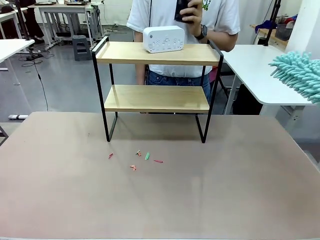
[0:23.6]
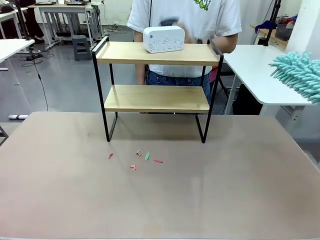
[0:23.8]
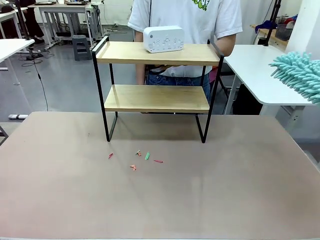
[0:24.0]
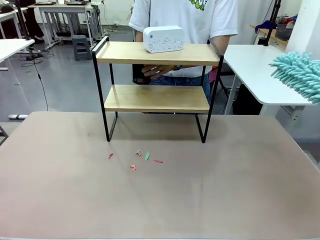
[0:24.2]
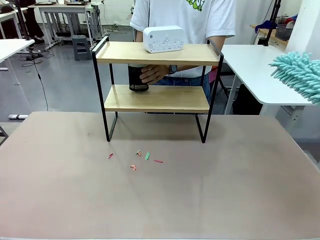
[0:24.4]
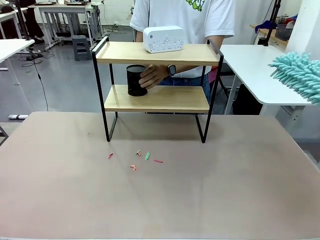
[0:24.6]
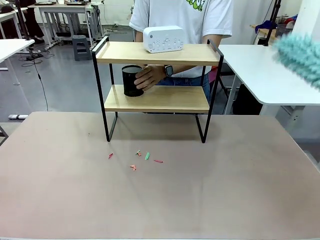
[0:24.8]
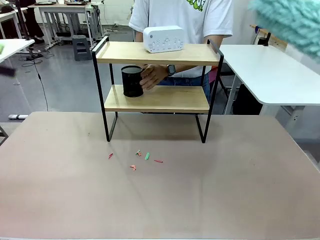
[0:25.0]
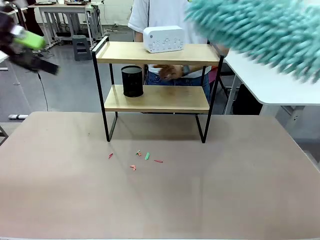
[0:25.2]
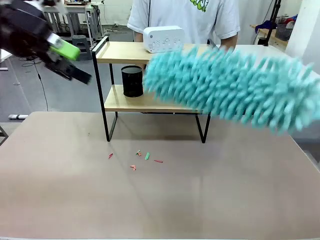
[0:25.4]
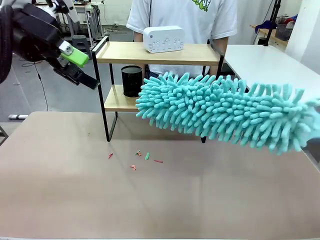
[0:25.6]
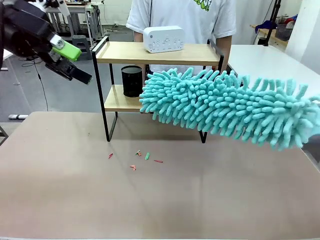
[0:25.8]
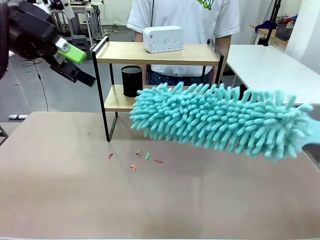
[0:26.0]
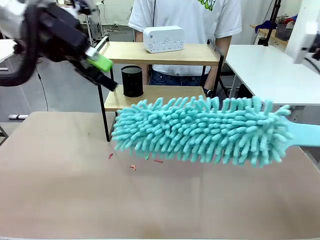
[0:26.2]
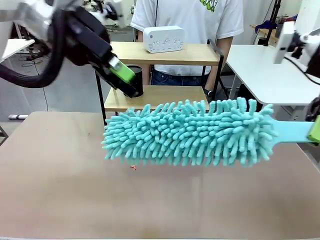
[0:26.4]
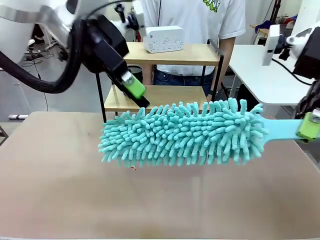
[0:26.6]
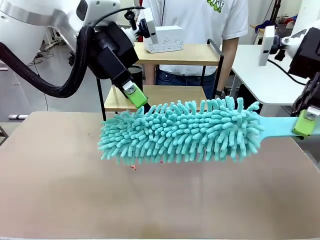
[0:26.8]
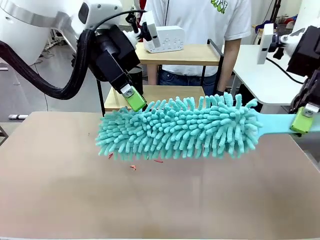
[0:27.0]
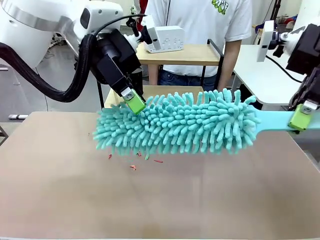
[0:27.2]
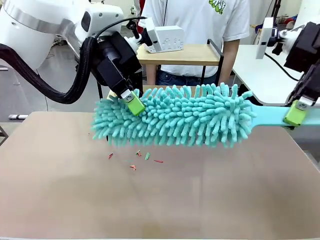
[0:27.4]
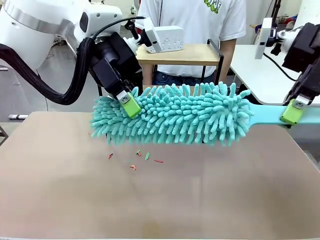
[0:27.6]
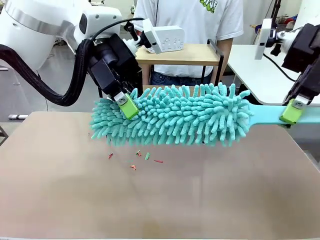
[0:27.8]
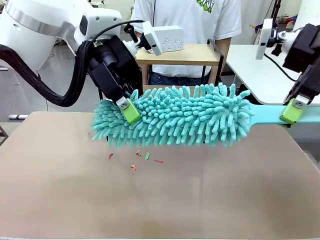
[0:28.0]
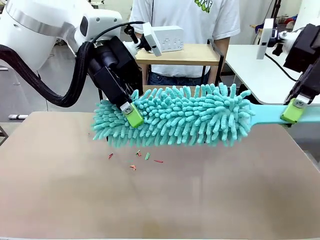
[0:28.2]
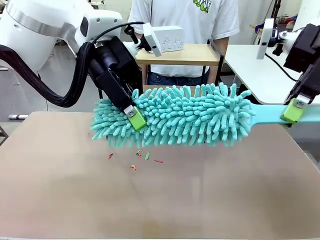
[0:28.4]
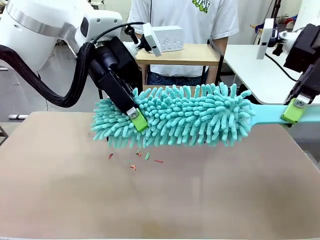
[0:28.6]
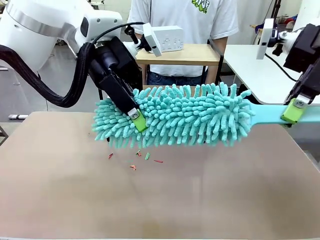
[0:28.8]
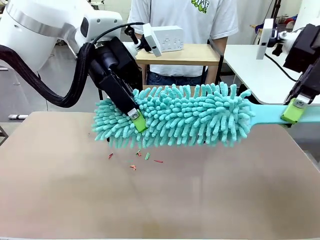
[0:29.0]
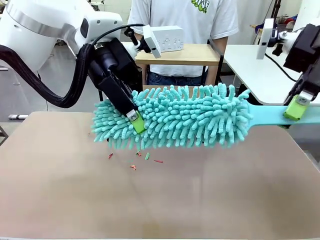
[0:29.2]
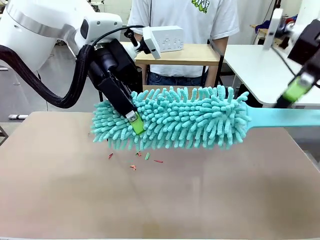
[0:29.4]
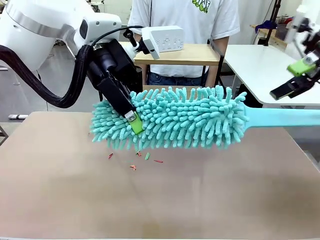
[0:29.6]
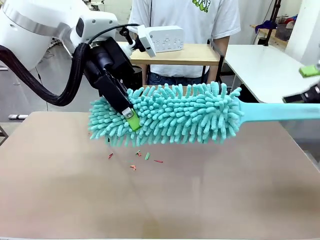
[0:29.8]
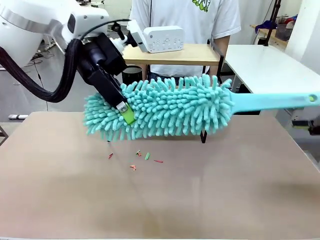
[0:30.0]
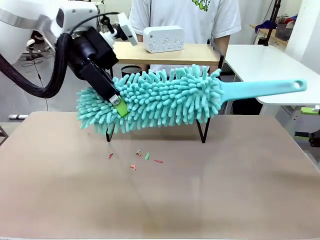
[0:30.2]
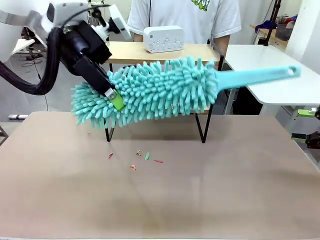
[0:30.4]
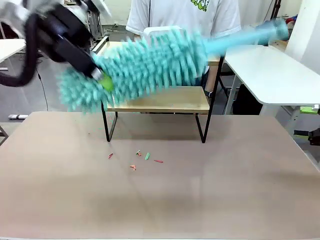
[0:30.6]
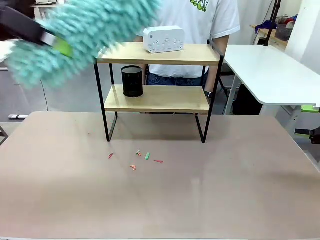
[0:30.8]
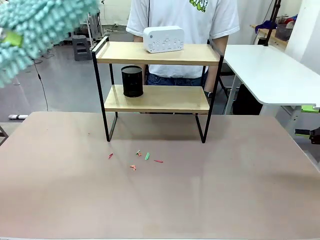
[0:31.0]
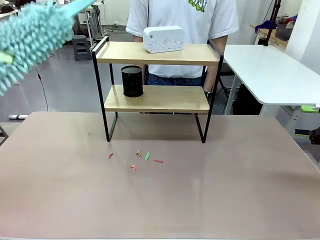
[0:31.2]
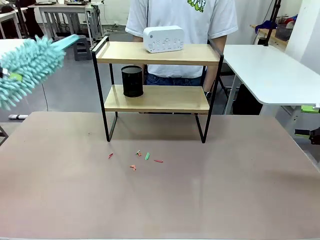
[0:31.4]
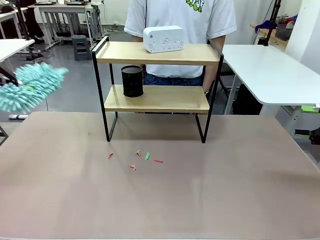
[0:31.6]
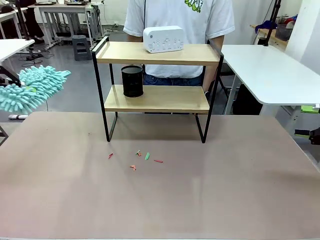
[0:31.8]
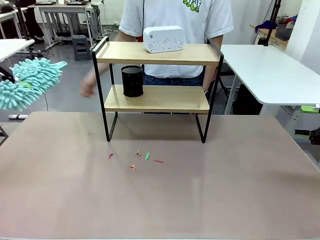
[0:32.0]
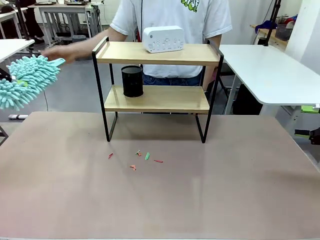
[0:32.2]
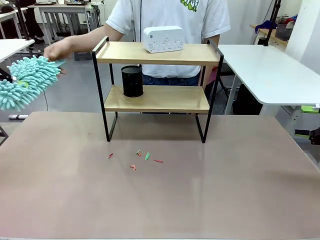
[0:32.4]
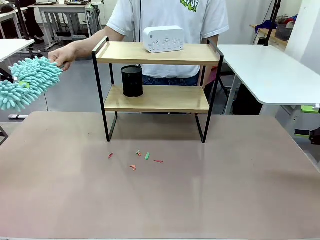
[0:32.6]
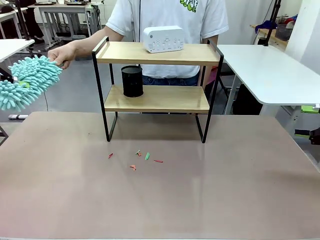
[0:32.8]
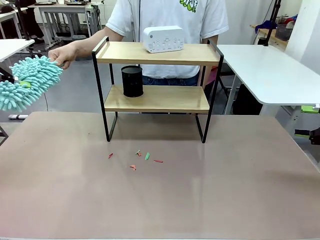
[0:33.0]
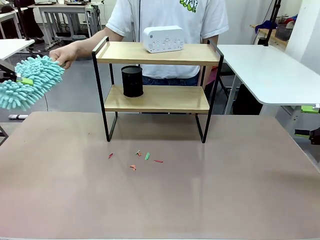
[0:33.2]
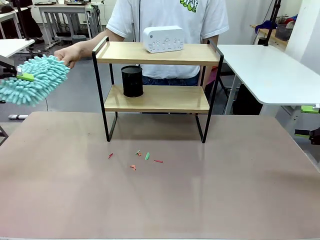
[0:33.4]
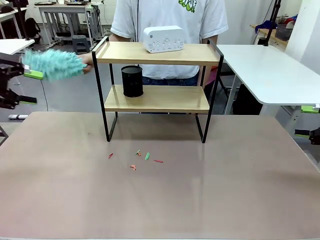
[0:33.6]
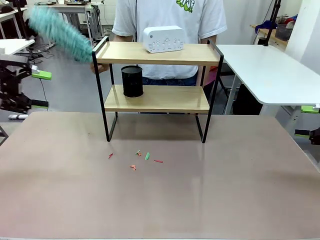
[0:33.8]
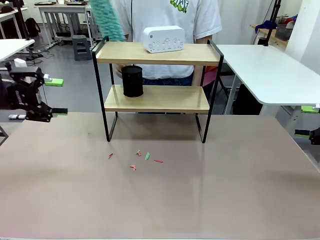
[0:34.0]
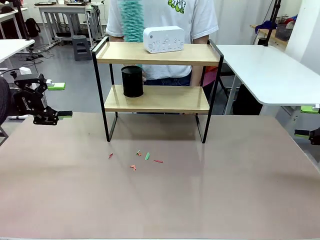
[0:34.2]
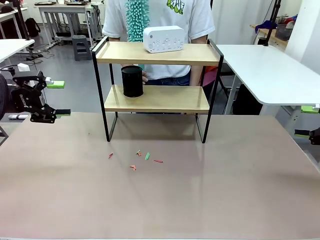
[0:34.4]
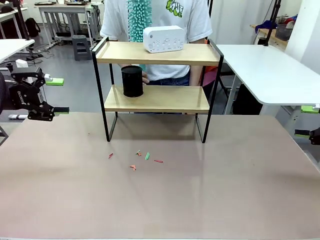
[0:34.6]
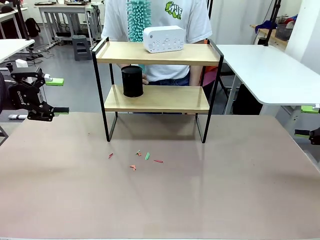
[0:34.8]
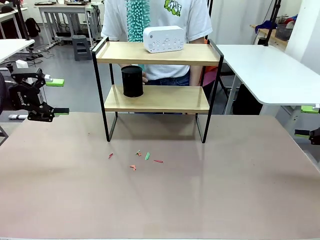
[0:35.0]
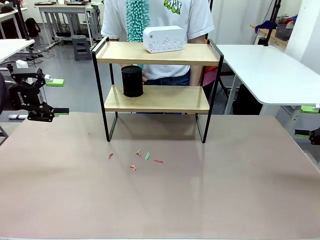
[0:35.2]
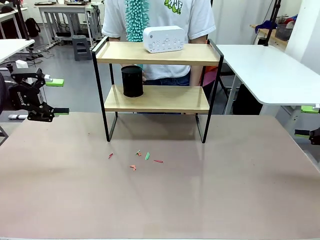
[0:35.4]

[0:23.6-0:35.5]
Task: Clean the shelf.
Robot: Hand the Duster back to the human.
Person: Receive the Duster from the robot.

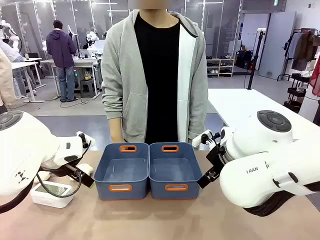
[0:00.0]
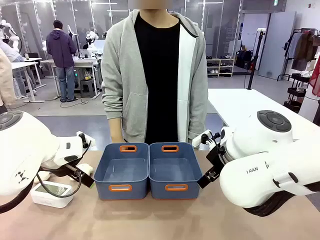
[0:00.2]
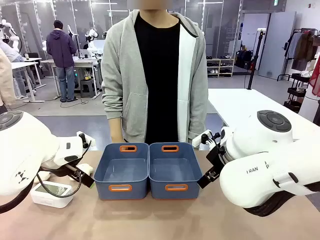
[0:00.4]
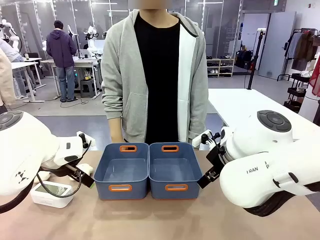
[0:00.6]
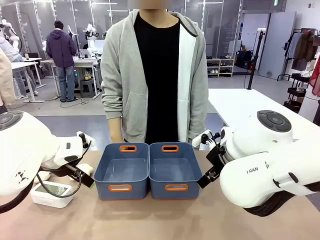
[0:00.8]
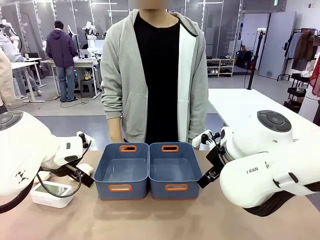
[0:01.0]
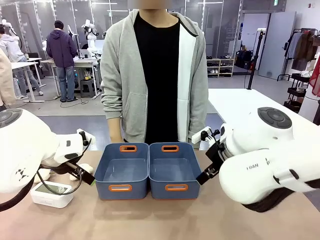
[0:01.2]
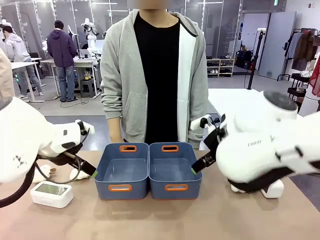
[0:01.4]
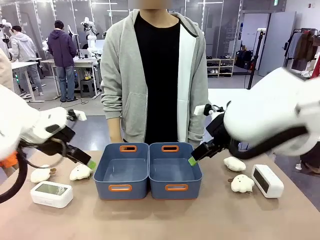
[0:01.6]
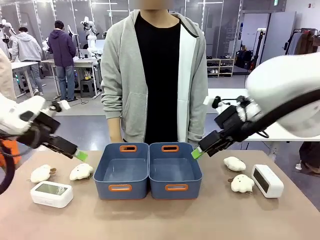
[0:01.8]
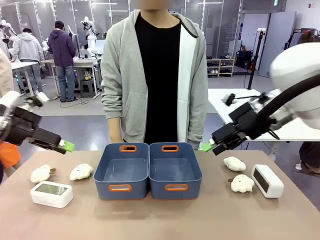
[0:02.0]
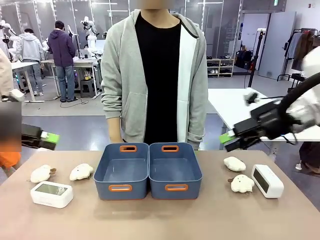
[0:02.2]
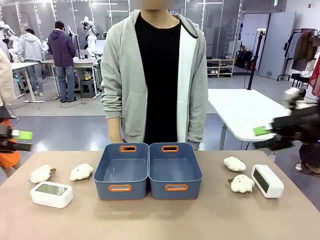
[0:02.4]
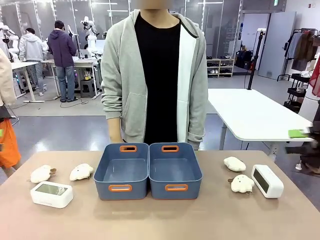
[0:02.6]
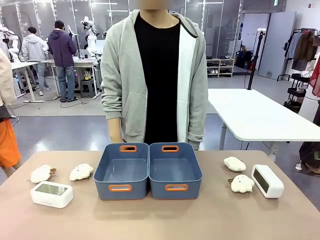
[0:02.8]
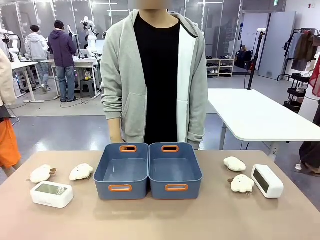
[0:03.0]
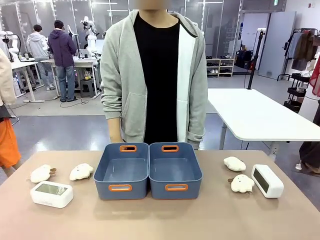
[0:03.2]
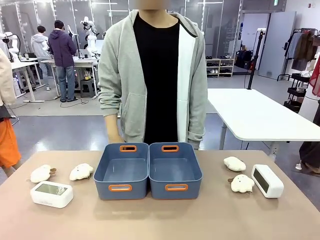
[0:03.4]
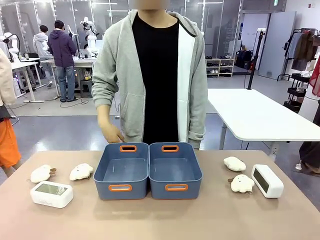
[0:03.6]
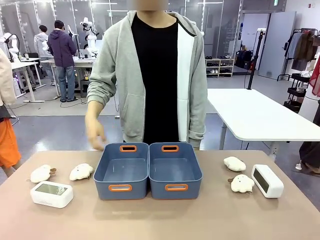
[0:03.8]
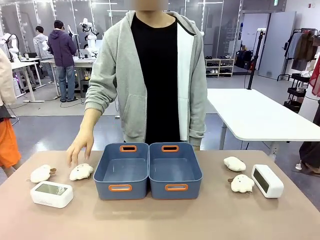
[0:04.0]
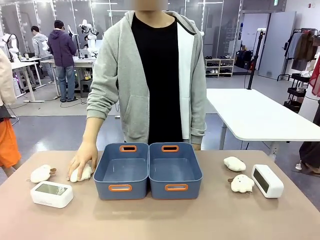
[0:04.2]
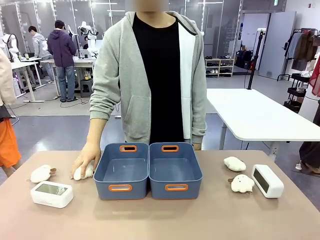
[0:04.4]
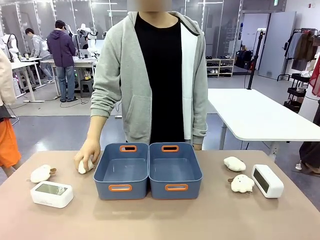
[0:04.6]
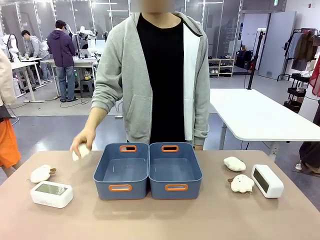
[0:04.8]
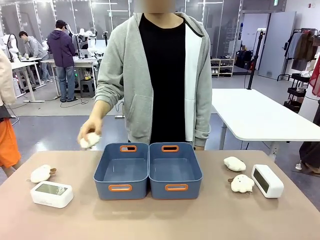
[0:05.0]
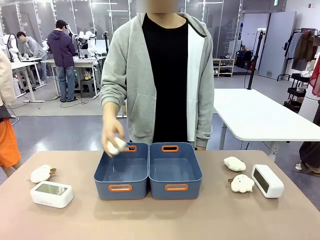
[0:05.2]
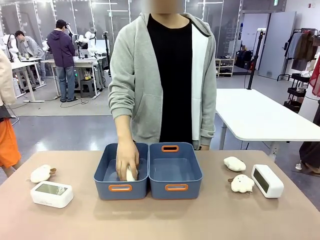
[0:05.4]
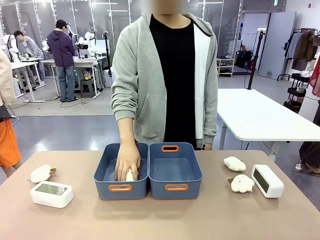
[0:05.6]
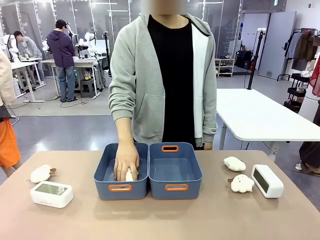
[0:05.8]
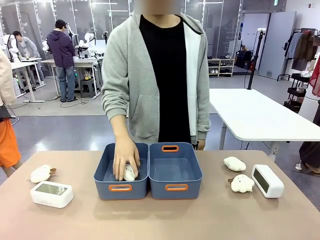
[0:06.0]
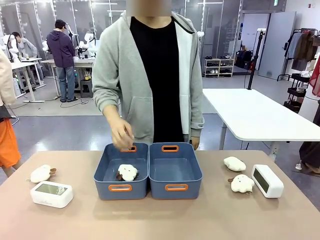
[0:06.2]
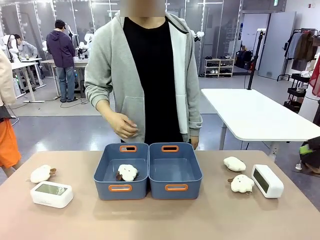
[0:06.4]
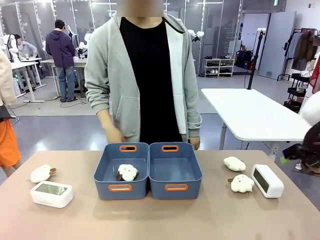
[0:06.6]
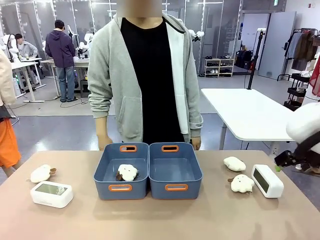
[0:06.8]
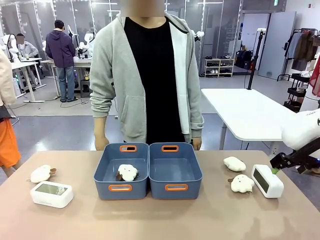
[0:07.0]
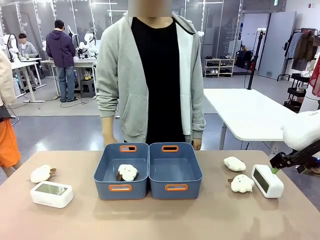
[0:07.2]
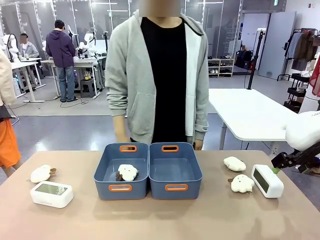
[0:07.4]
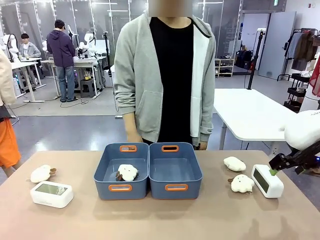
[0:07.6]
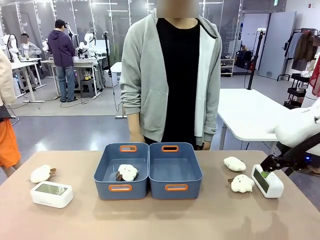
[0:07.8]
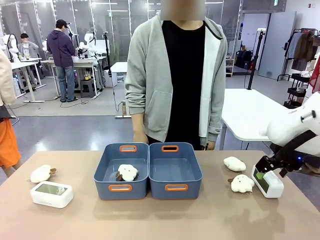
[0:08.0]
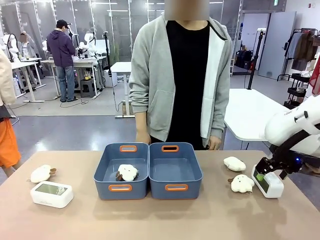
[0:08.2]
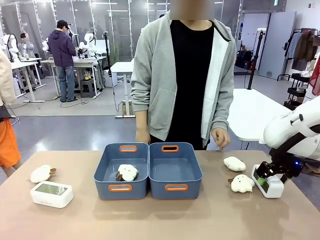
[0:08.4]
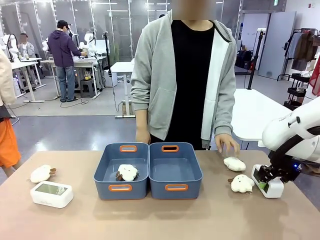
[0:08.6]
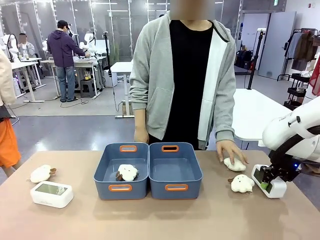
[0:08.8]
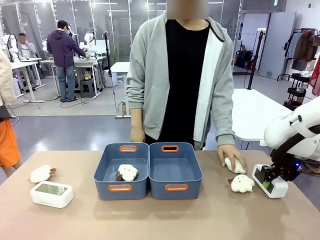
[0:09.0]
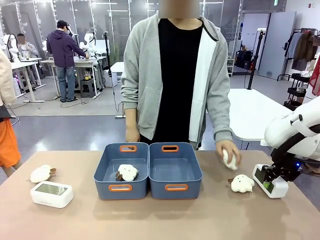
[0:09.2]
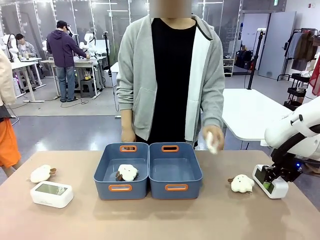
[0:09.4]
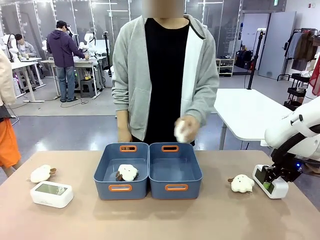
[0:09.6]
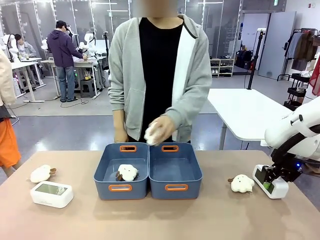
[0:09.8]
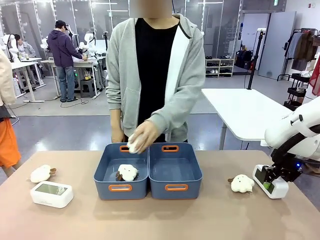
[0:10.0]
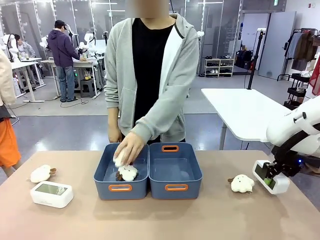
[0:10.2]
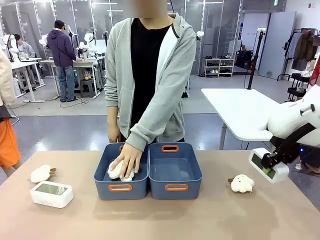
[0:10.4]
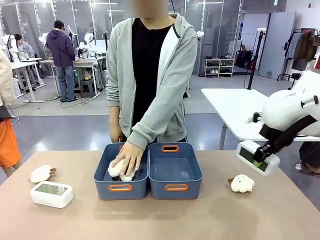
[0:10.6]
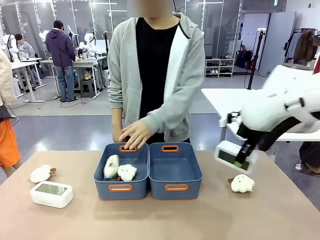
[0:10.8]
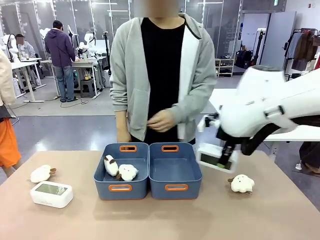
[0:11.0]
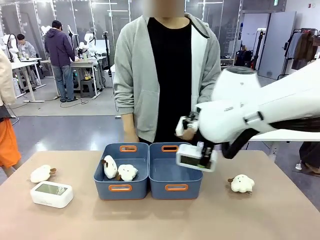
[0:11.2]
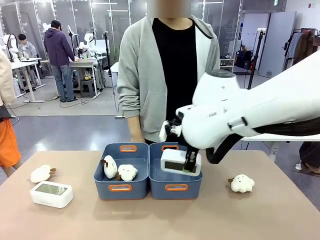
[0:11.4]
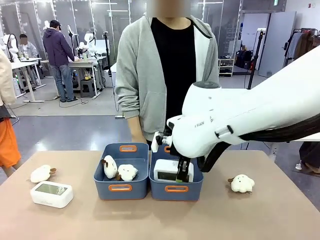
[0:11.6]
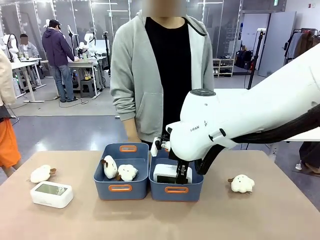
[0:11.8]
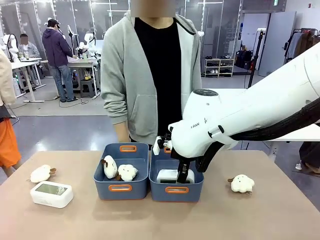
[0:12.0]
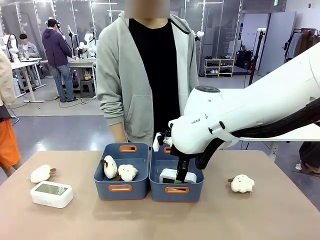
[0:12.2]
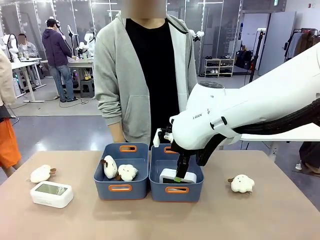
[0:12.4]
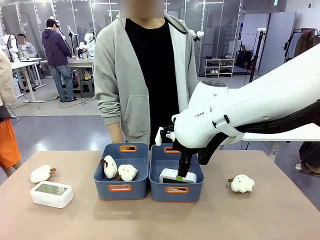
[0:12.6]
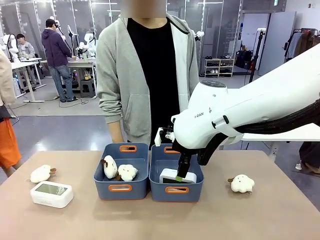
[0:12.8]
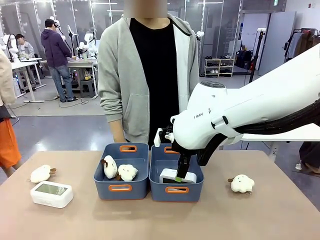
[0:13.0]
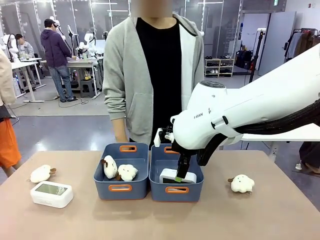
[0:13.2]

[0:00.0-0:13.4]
Task: Sort the digital clocks into the basket.
Robot: Pick up the Digital clock from the table and place it into the empty Plastic storage basket.
Person: Pick up a plush toy from the table and place it in a plastic storage basket.
